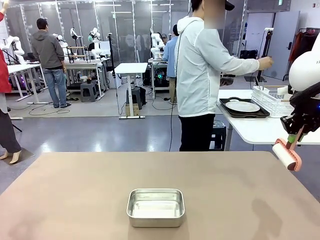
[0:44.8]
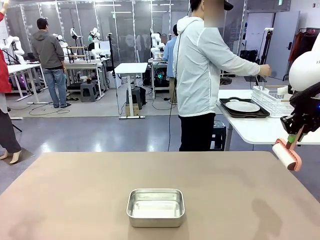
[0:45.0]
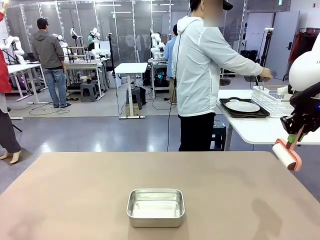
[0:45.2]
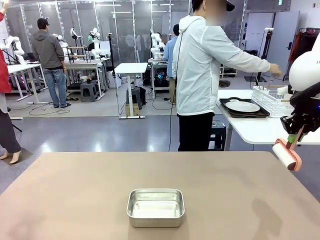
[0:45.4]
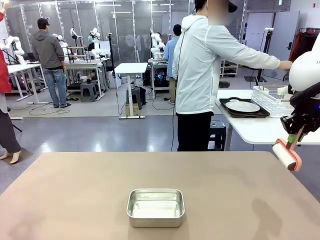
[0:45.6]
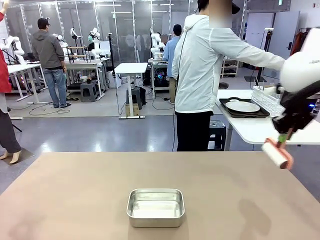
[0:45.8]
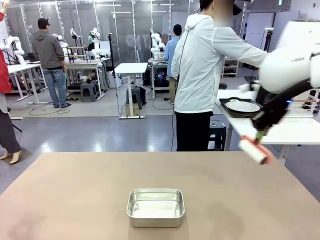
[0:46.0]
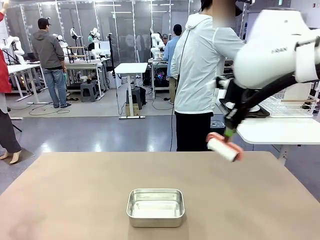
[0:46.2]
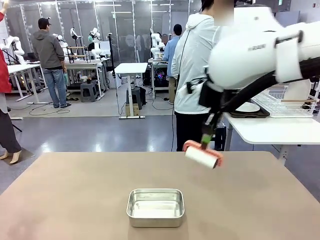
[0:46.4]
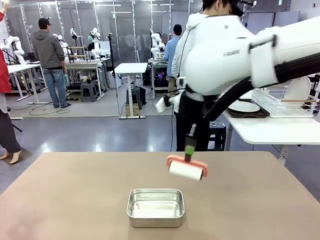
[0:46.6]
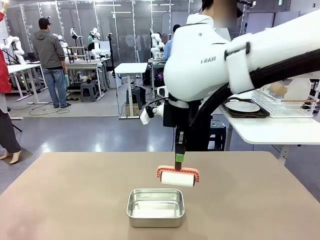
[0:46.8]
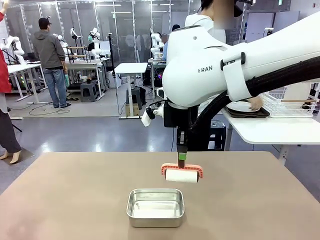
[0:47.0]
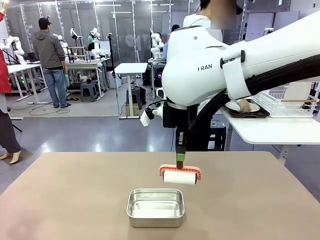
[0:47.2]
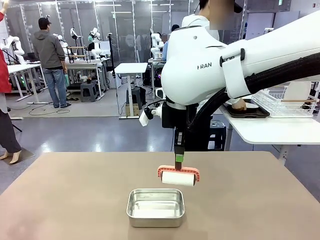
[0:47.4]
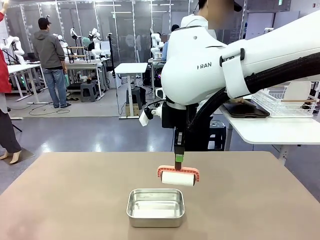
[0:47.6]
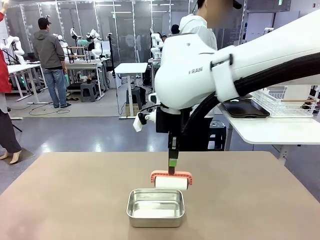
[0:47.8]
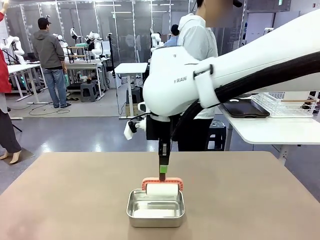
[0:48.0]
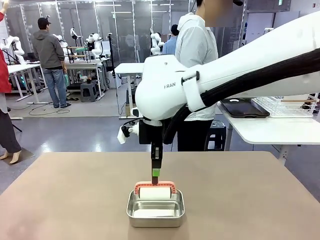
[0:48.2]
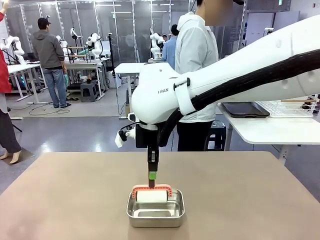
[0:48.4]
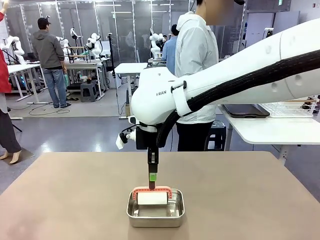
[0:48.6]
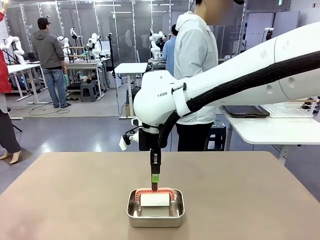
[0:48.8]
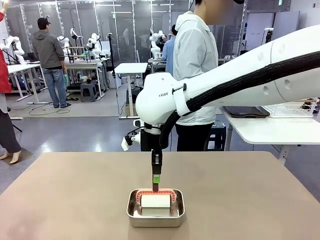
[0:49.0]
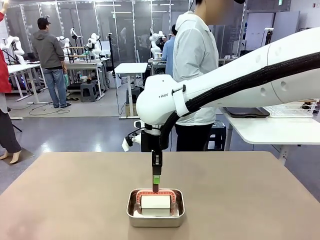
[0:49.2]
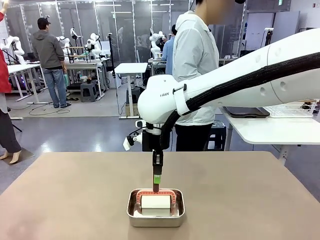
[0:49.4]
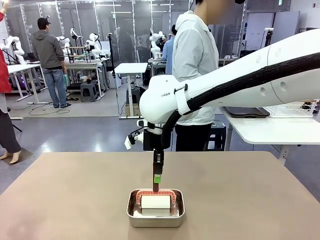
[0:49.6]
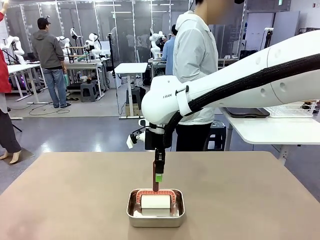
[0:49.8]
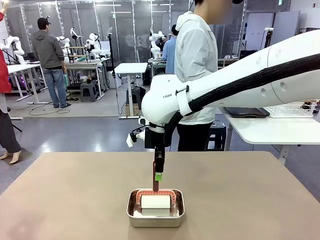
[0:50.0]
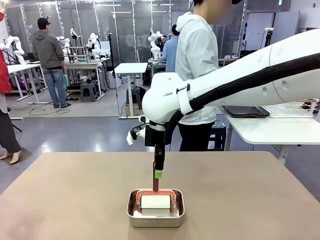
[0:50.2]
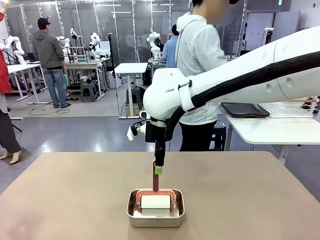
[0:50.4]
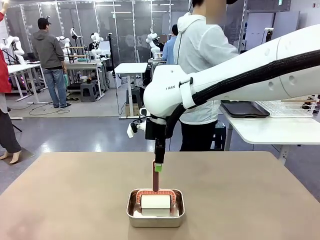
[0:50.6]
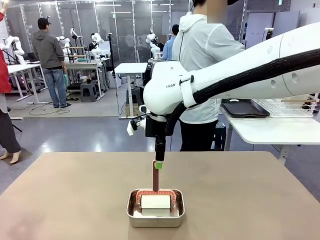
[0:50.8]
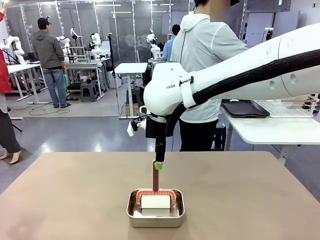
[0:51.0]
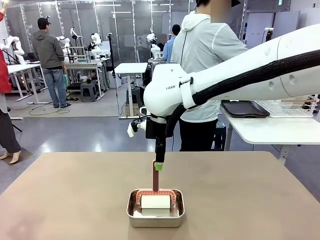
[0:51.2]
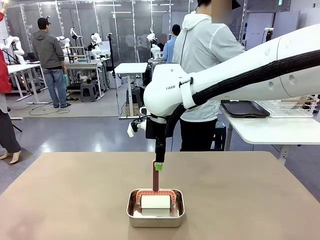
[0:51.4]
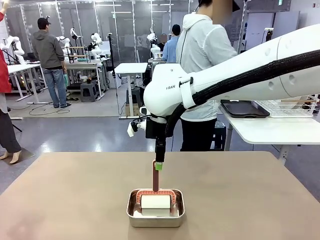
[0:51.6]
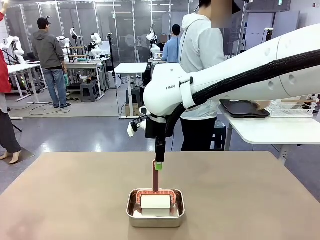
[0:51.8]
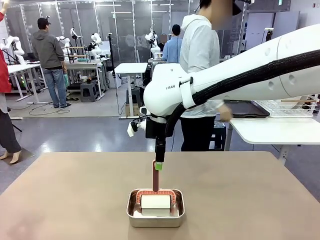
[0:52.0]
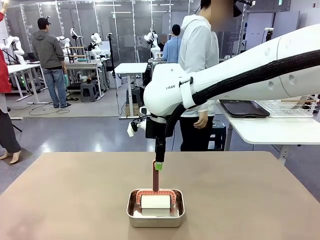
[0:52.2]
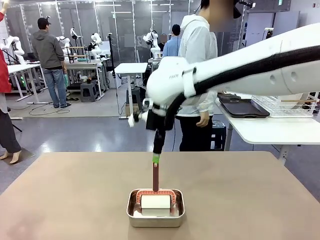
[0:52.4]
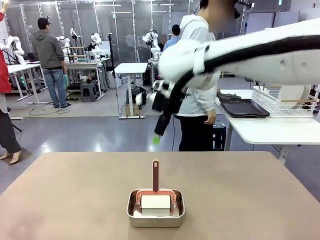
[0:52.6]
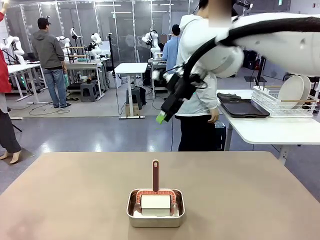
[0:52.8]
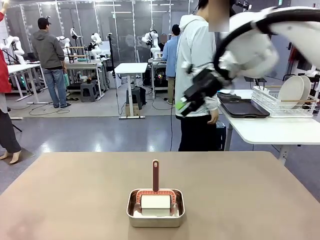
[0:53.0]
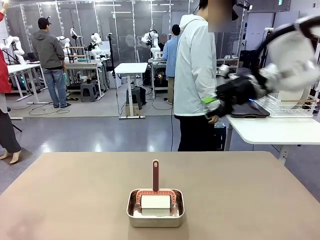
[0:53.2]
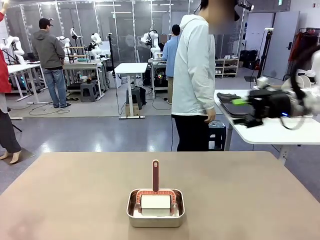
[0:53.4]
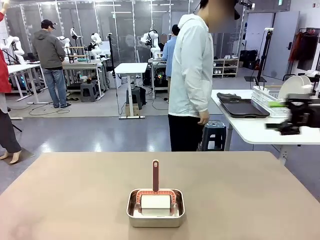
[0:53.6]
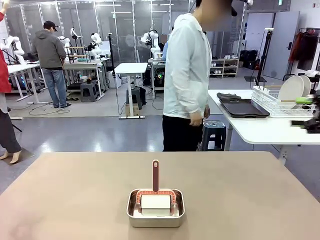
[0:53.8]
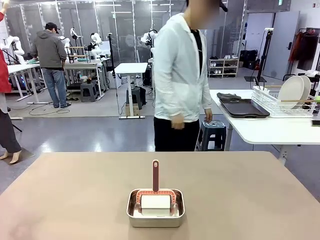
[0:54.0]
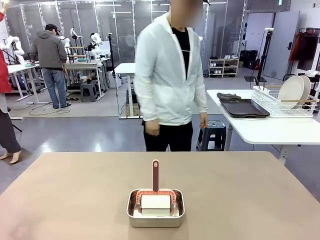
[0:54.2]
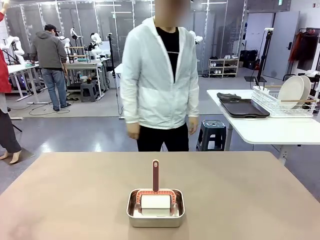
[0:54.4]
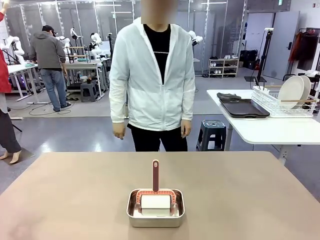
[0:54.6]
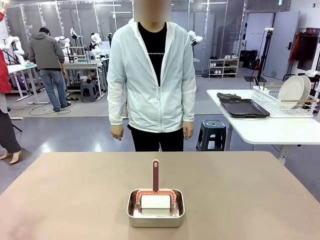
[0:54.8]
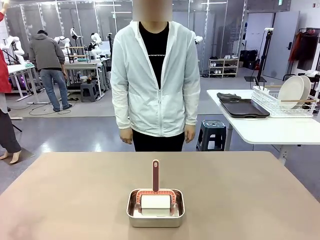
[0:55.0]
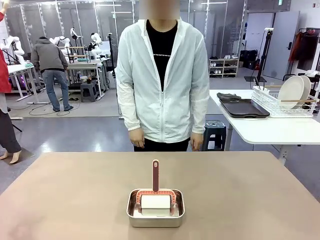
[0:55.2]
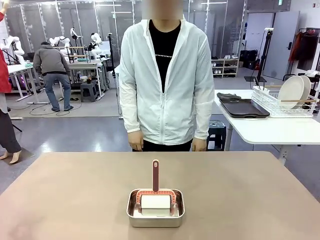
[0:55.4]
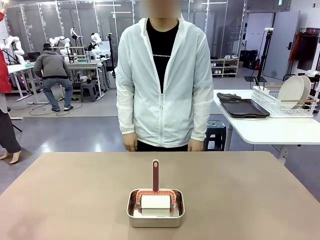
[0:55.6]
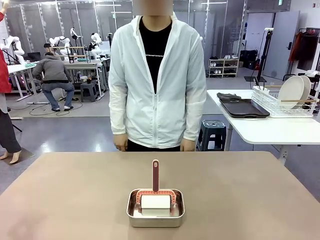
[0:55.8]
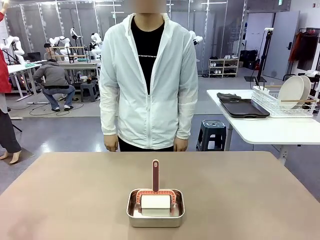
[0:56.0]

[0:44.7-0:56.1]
Robot: Place the Lint Roller back on top of the Airtight Container.

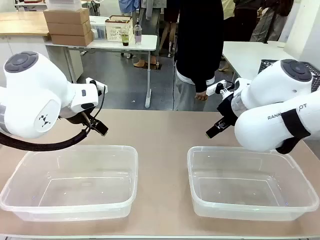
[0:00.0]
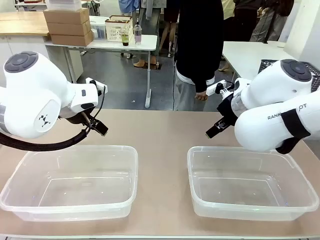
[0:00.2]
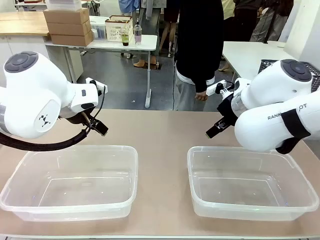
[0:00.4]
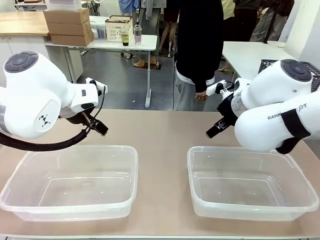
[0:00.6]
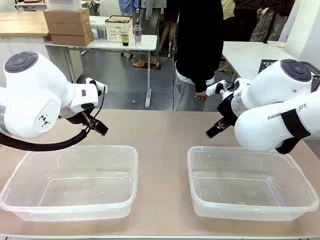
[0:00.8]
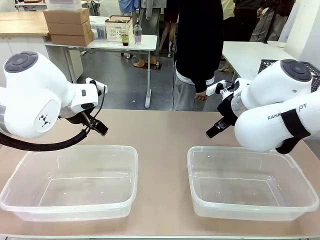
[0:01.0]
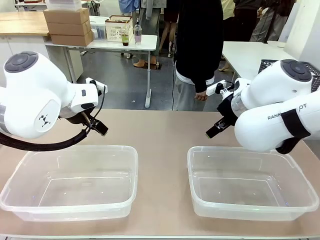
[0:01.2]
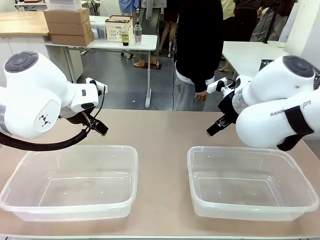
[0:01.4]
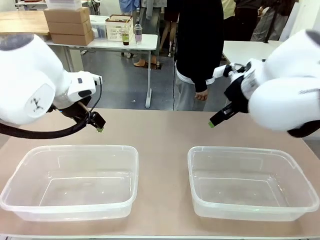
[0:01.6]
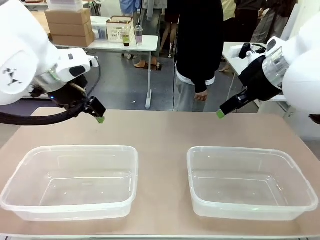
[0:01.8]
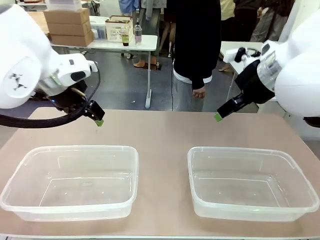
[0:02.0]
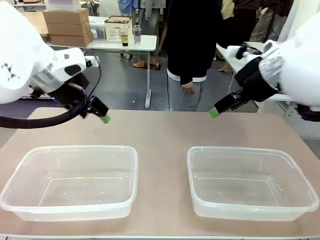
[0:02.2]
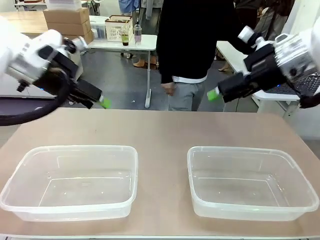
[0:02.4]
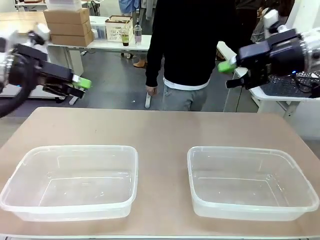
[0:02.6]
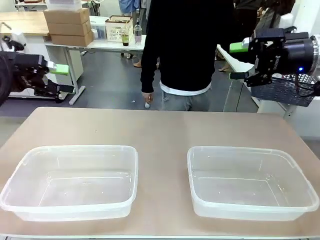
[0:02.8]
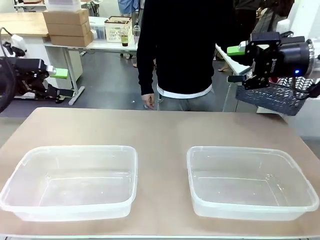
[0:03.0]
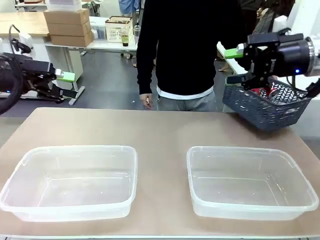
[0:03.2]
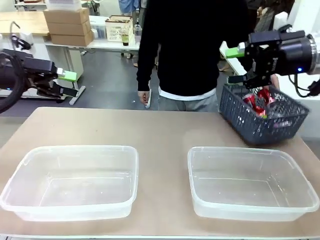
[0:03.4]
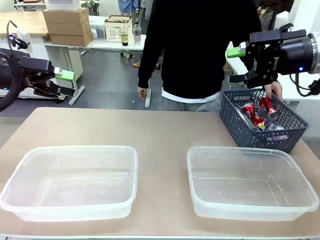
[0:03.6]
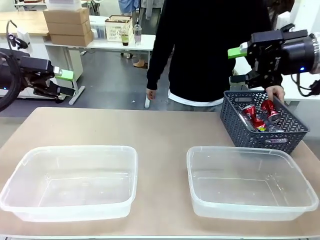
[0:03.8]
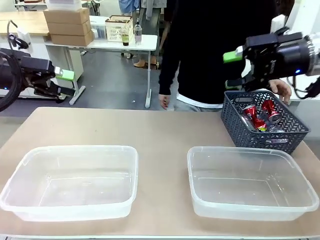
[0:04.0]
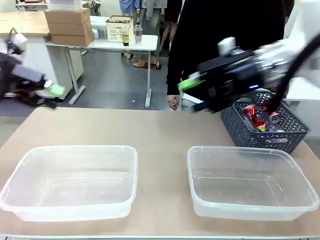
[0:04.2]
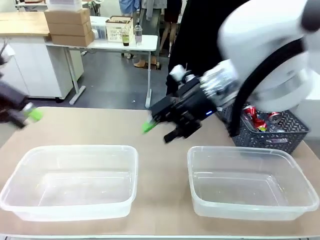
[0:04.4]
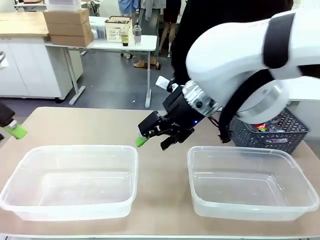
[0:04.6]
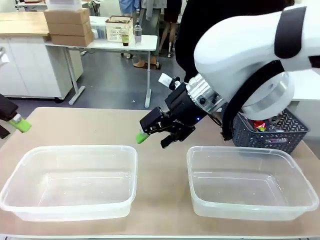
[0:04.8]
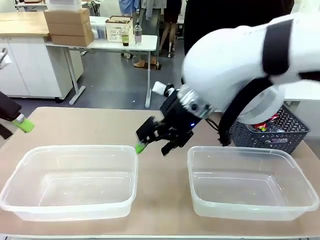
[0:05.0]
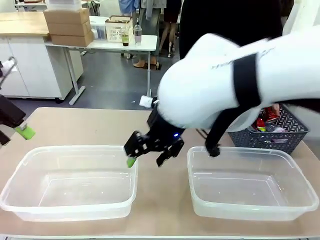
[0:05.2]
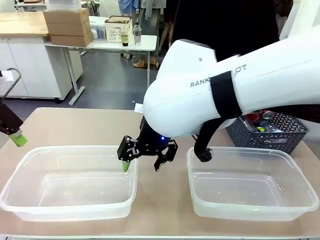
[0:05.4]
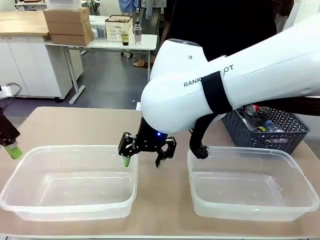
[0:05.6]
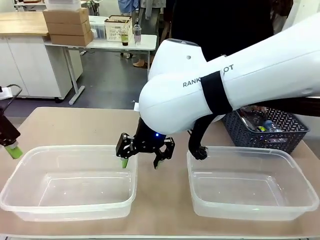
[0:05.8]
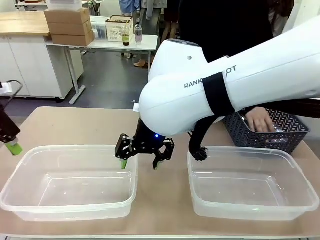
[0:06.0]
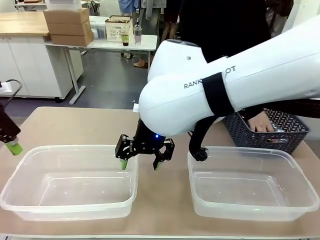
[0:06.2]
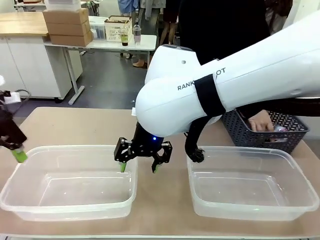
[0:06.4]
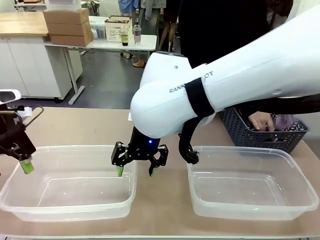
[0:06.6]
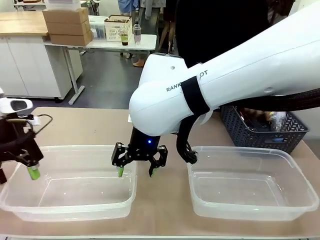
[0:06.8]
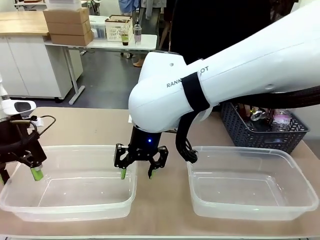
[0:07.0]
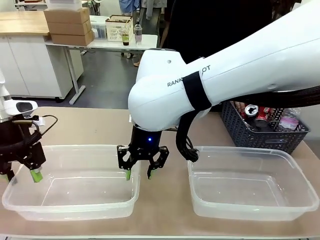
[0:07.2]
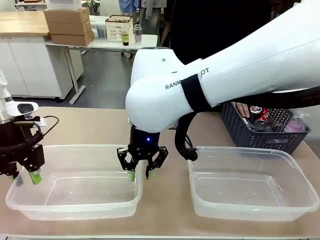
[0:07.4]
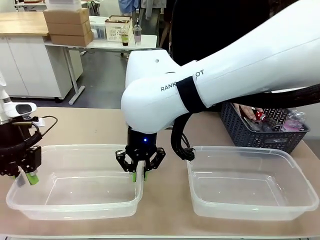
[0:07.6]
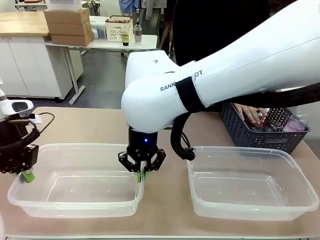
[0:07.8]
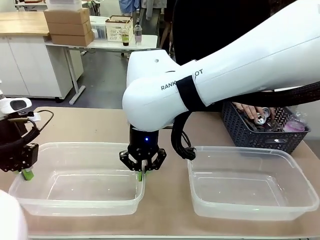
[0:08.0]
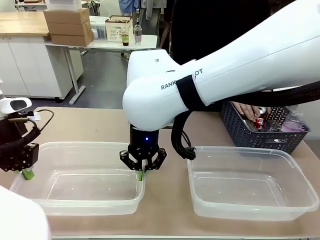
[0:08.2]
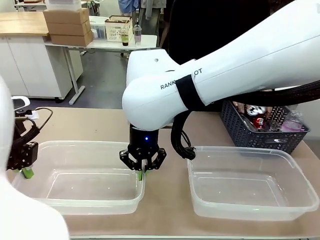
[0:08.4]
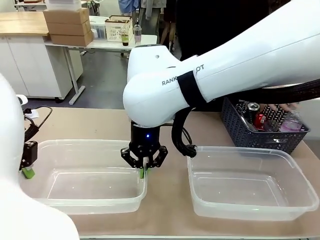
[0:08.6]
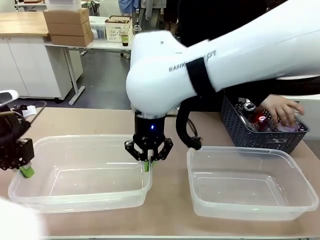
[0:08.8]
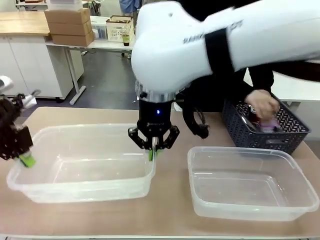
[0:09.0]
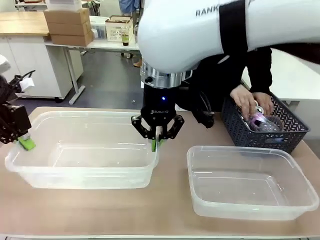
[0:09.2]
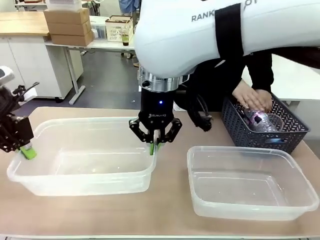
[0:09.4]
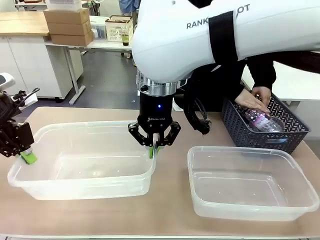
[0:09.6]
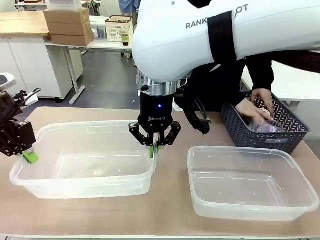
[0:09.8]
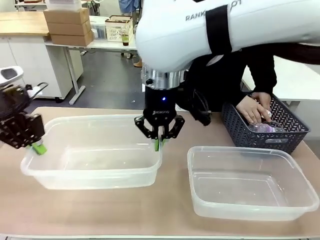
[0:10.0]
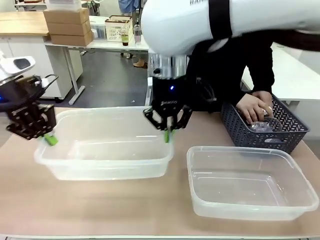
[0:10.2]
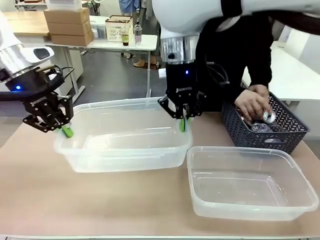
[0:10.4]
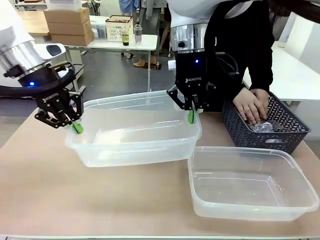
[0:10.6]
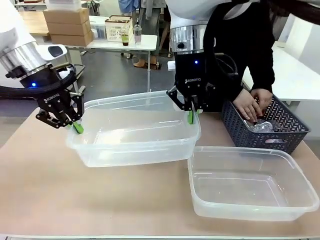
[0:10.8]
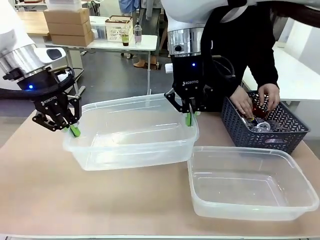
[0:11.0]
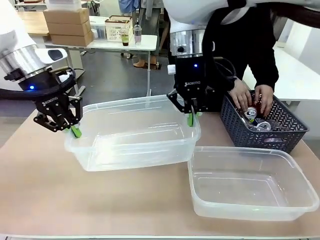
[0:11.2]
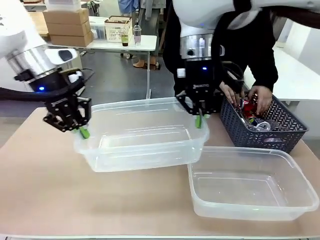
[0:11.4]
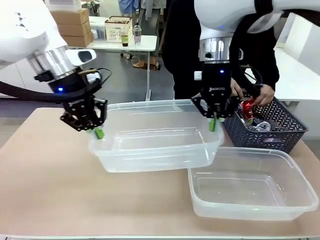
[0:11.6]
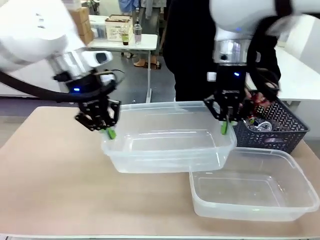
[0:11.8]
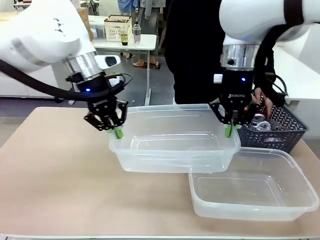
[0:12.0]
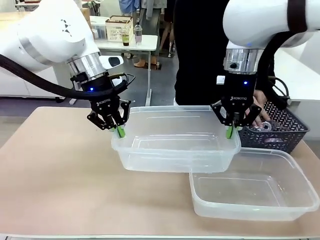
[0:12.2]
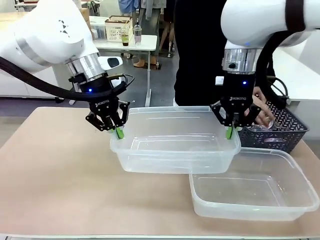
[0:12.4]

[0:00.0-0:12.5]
Robot: Pick up the Organizing box on the left side of the table and lift it.
Person: Pick up the storage basket and place it on the left side of the robot table. Pick up can-shaped waste one by one and place it into the organizing box lifted by the robot.
